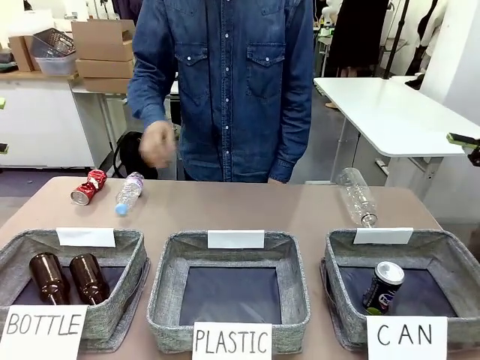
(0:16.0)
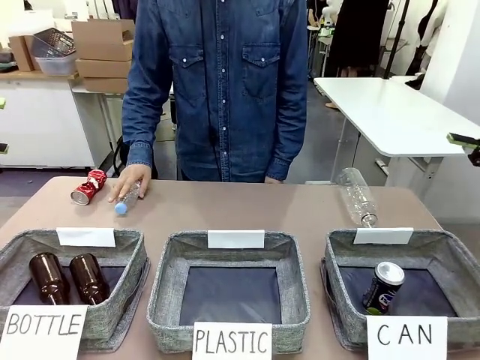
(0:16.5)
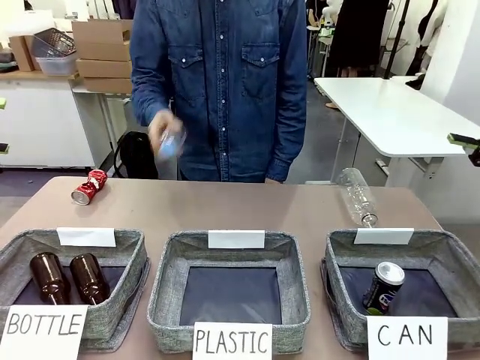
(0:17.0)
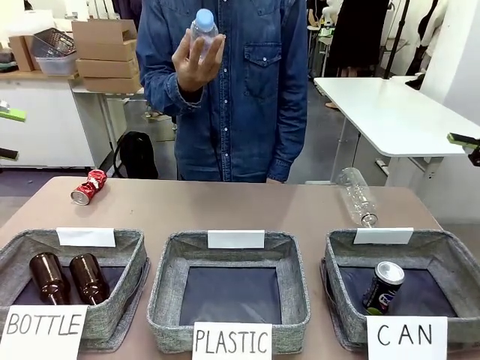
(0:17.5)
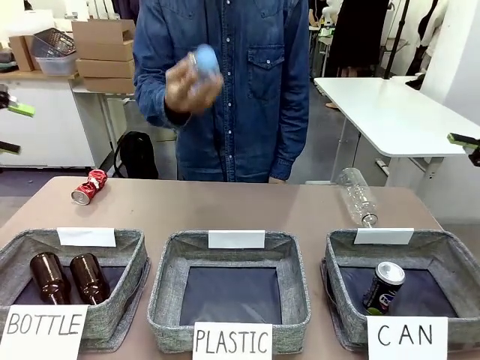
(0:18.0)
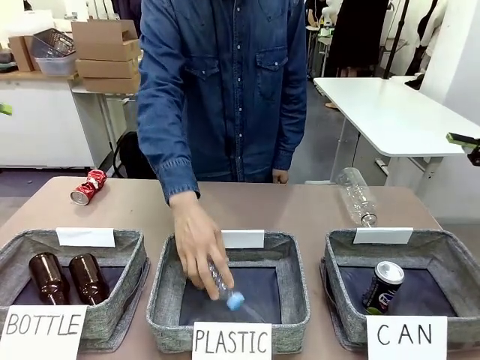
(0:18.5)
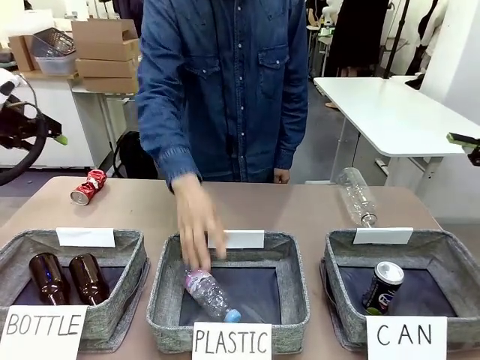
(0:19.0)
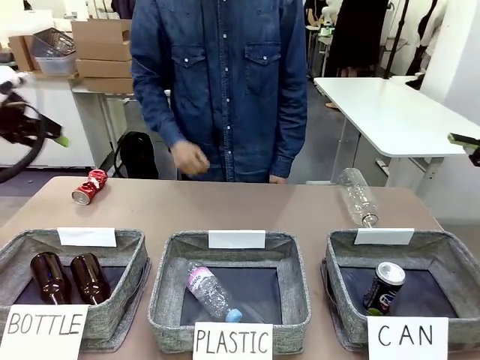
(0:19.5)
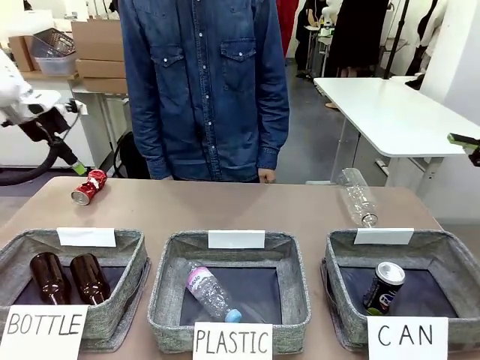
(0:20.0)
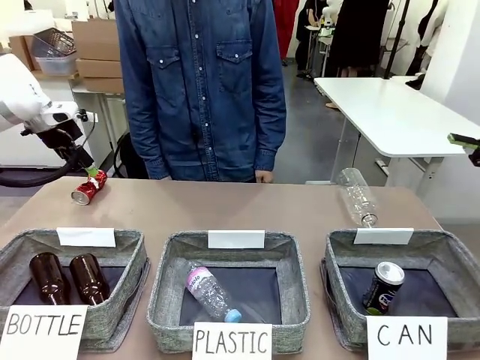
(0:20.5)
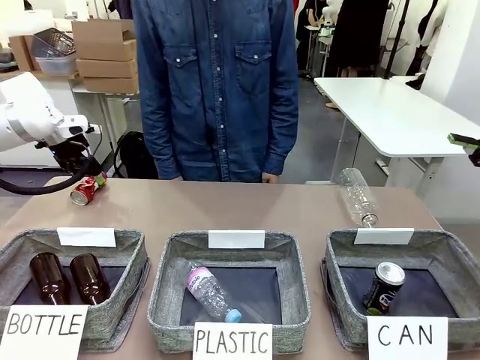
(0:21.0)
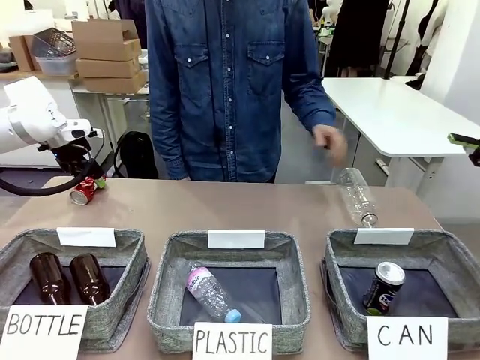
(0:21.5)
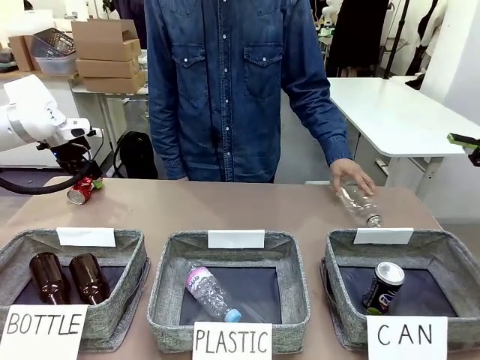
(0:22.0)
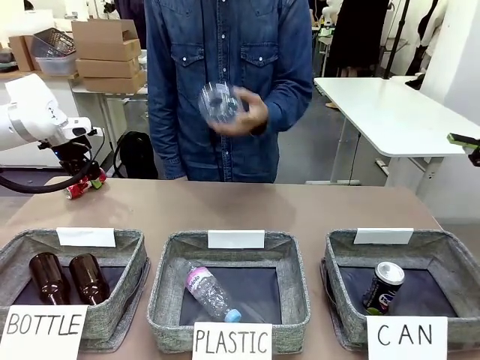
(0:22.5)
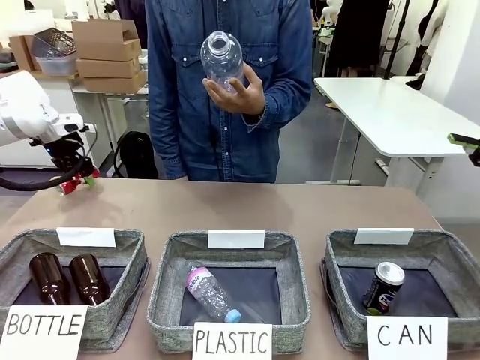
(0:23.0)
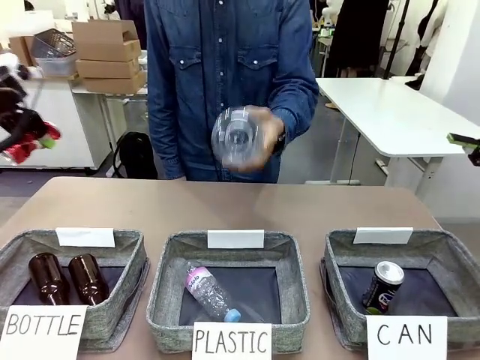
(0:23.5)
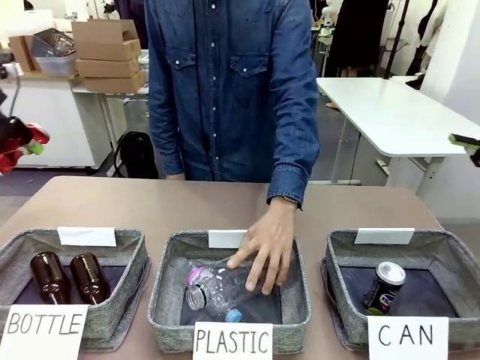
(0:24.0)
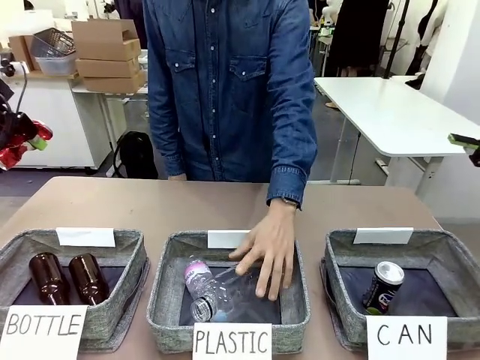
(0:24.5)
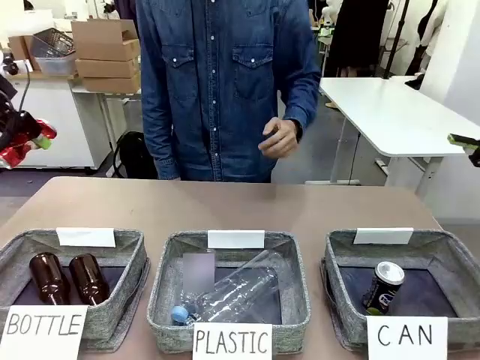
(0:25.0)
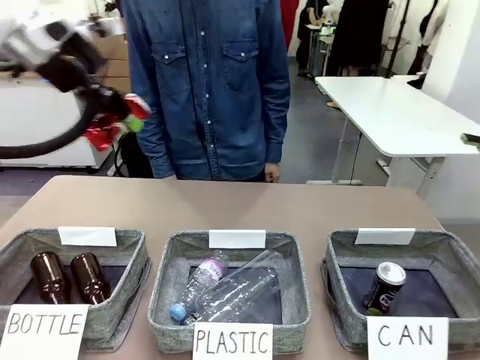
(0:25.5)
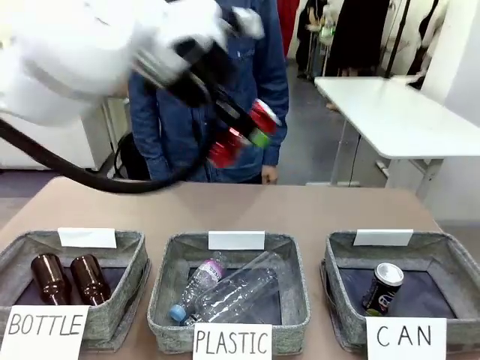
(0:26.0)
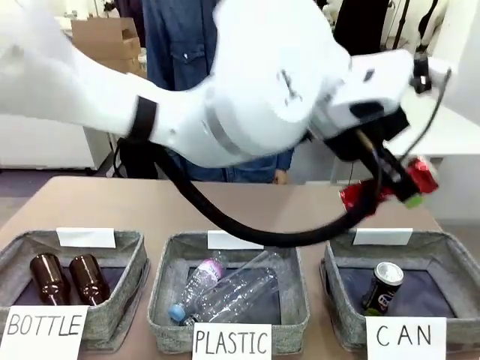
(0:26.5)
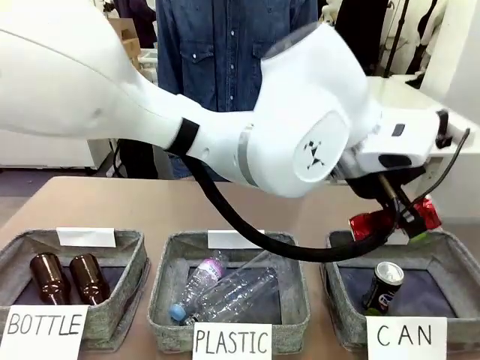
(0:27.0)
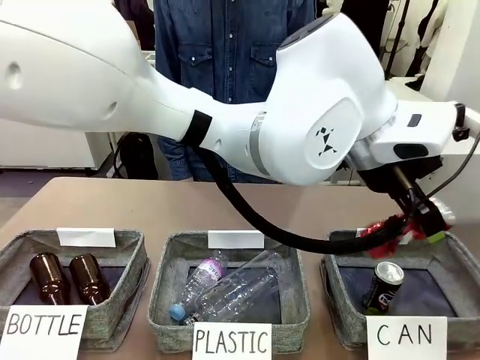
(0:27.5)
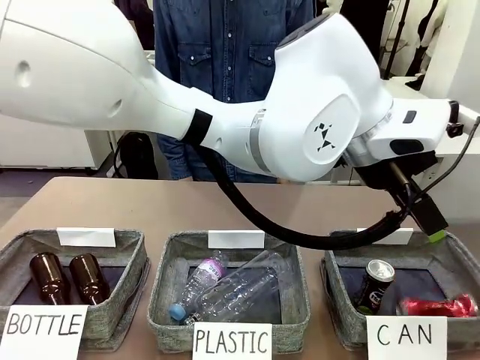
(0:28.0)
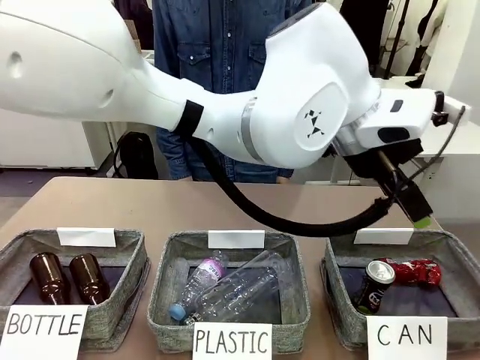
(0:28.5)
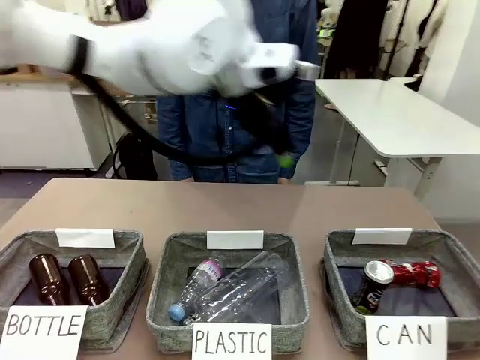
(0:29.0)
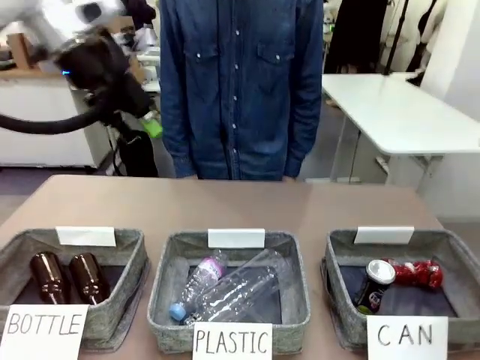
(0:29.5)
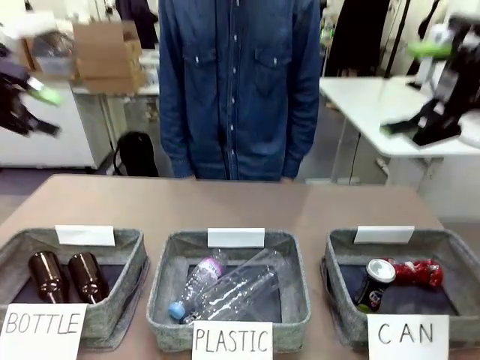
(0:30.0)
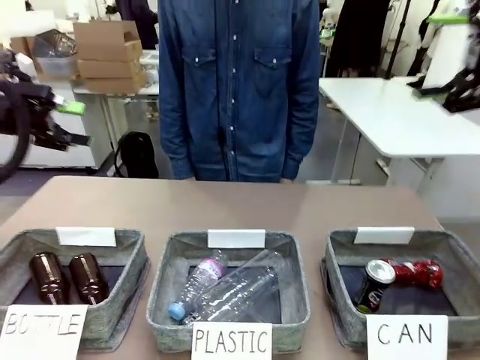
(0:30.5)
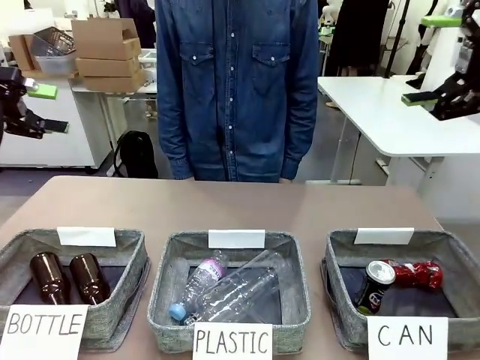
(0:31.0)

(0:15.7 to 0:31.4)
Task: Sort the can waste into the basket.
Robot: Pick up the can waste from the table and place it in the right Fabric basket.

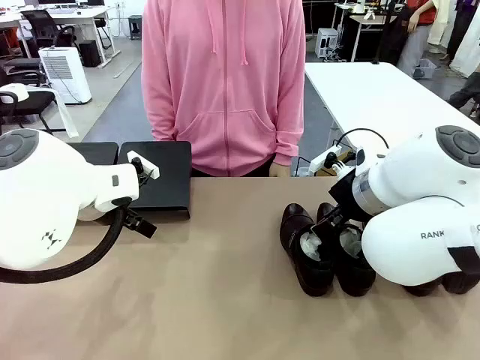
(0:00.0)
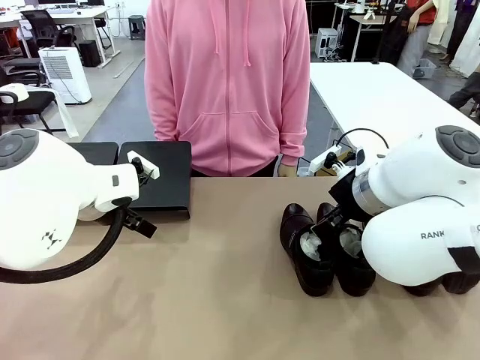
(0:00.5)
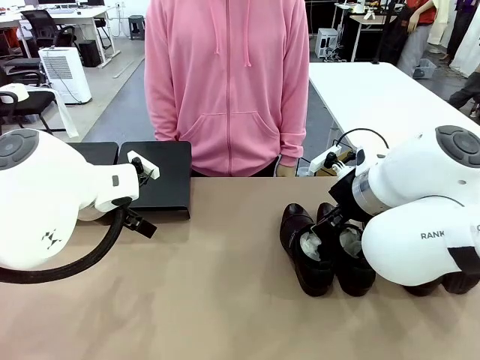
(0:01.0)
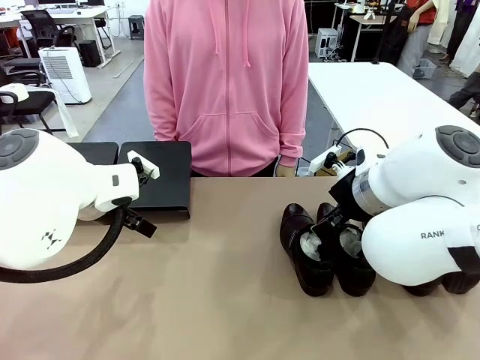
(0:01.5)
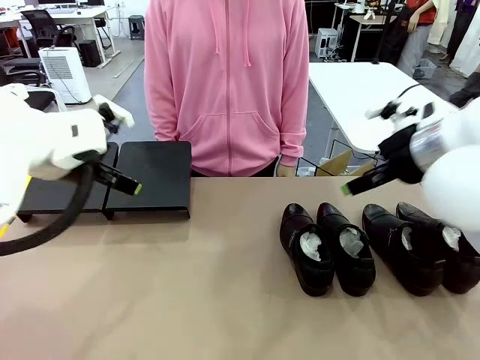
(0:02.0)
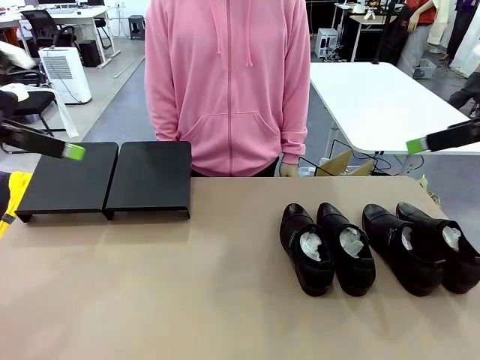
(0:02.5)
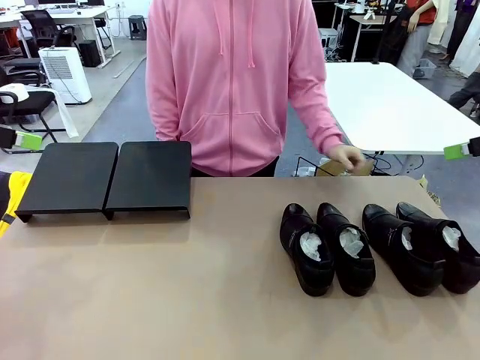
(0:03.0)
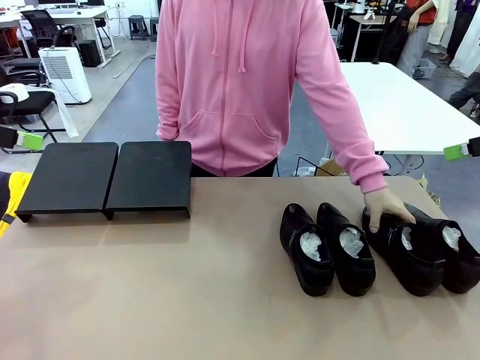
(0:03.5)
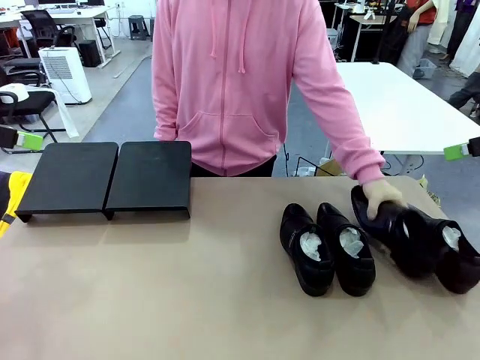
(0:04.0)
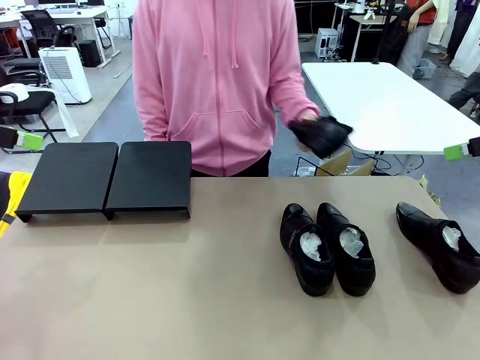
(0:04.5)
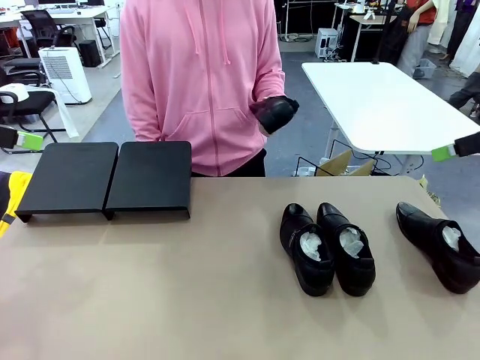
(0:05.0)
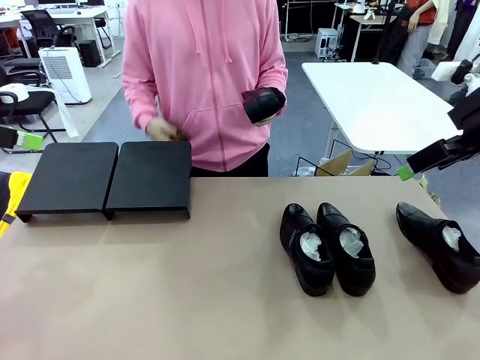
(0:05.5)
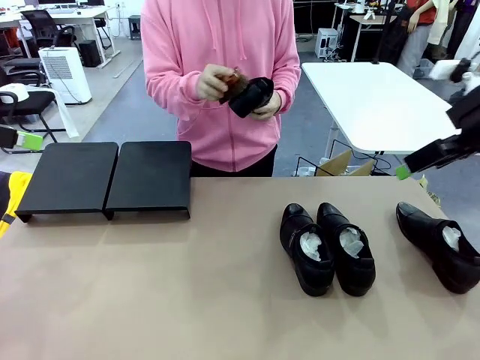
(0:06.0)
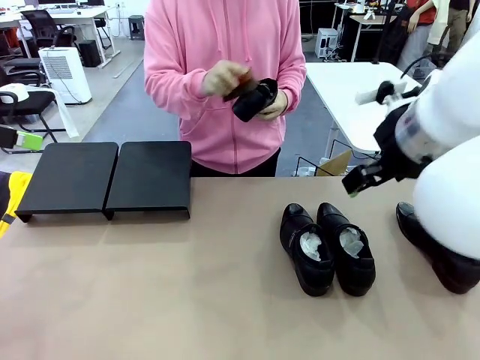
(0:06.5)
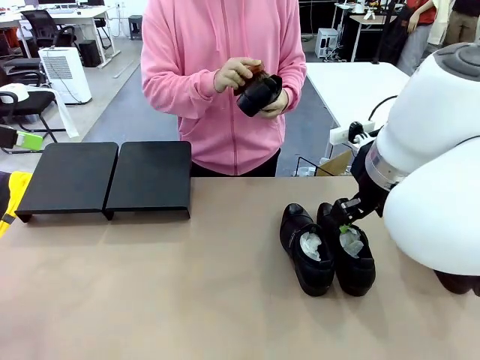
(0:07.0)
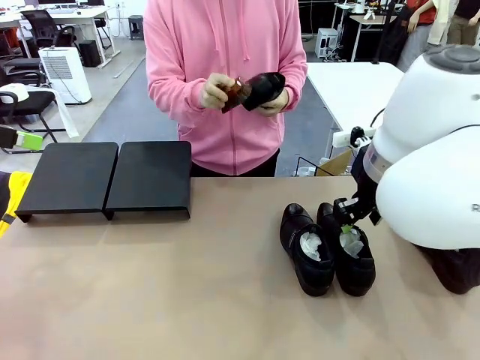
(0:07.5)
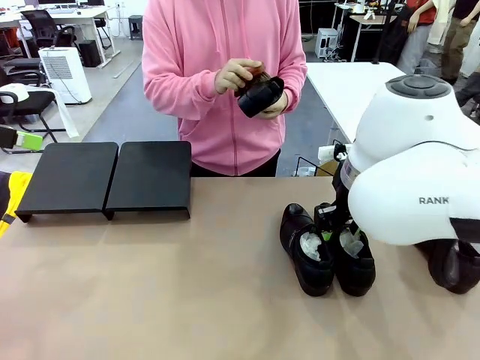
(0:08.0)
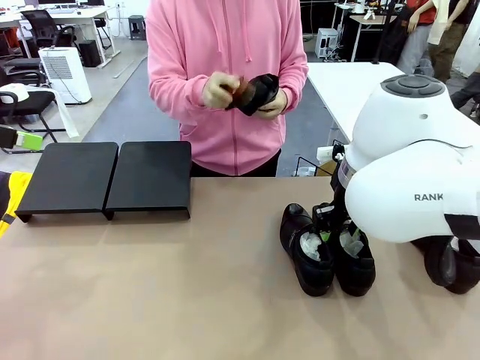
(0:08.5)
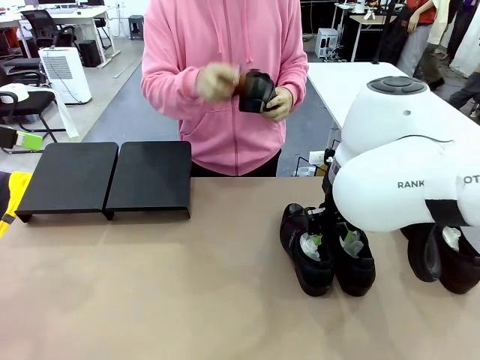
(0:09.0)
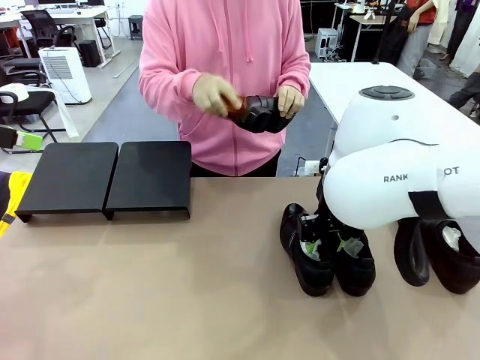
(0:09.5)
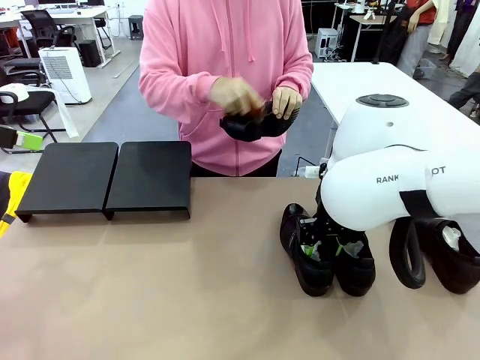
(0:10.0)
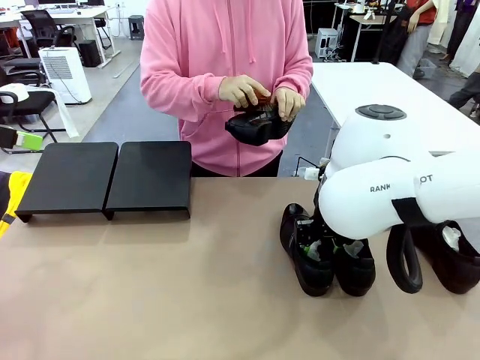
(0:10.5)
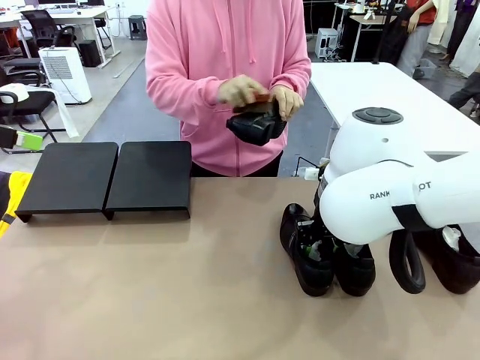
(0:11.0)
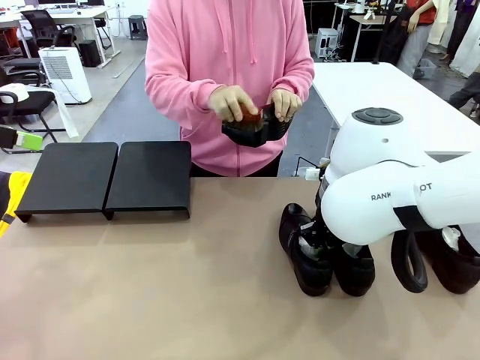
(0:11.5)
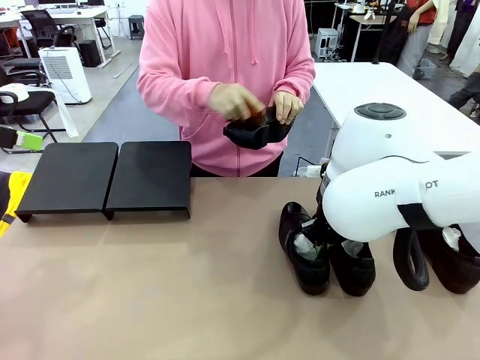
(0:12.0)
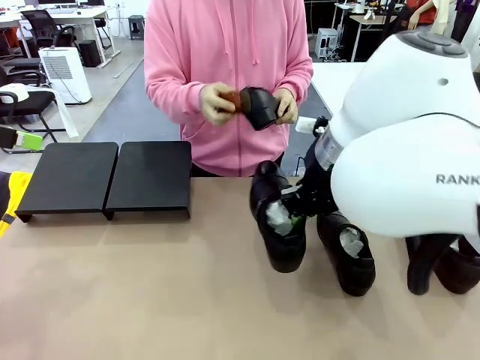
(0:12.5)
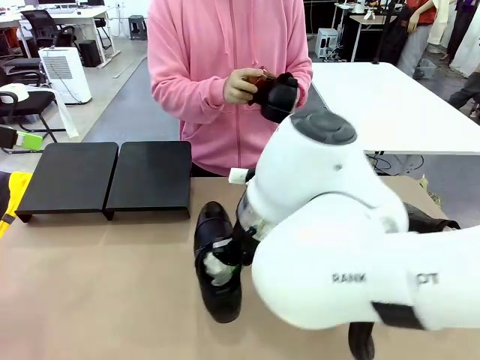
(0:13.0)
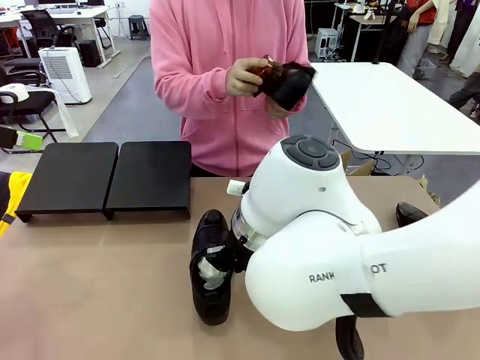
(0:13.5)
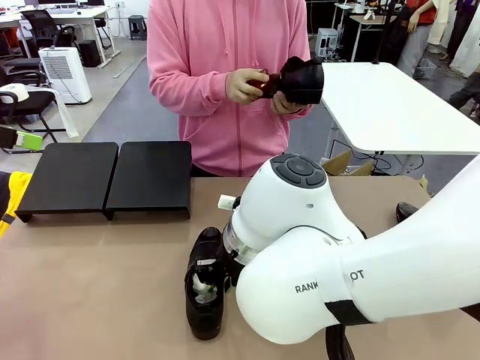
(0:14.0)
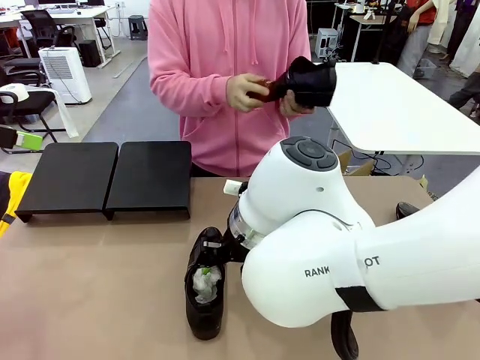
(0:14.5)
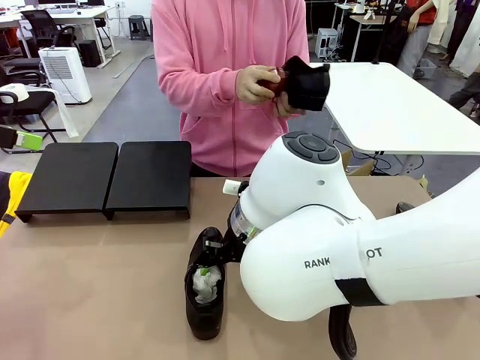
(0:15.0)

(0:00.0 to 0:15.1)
Task: Organize the shoes by placing them on the stand.
Robot: Pick up one Shoe and place it in the middle of the table.
Person: Pick one Shoe on Robot's table. Clean the Shoe with the Shoe Brush.
